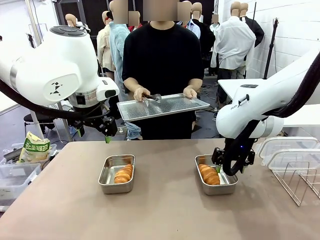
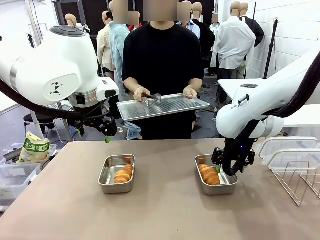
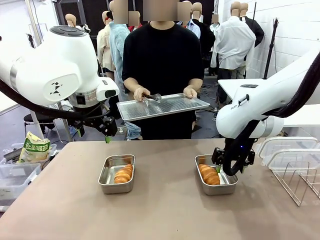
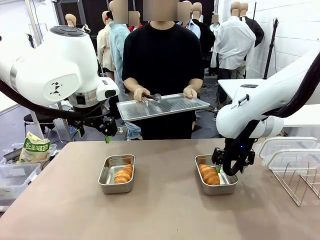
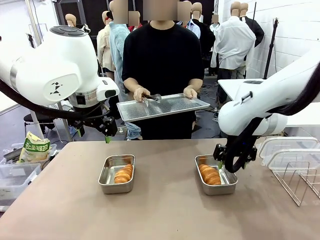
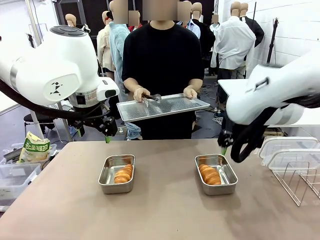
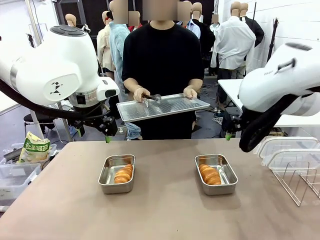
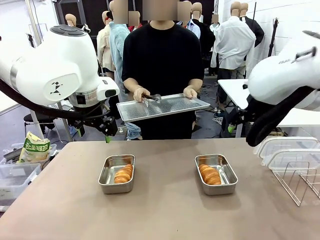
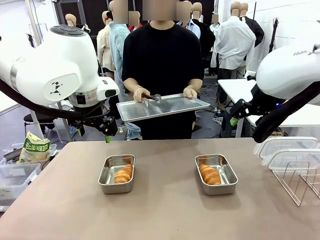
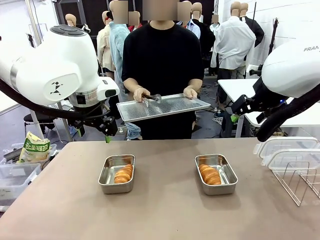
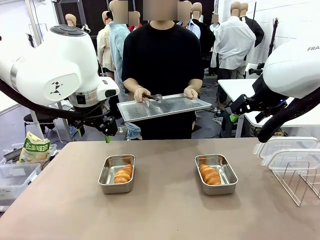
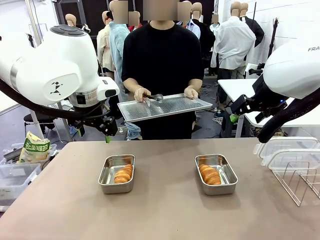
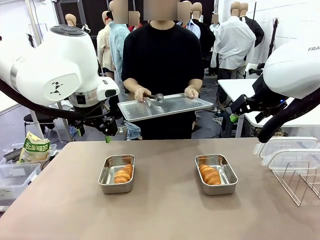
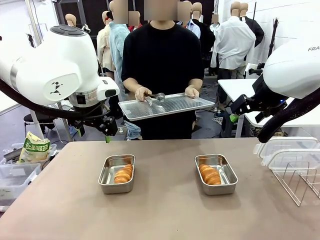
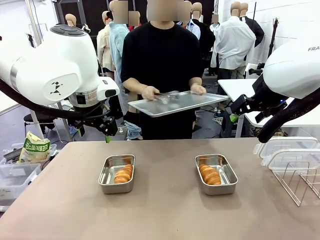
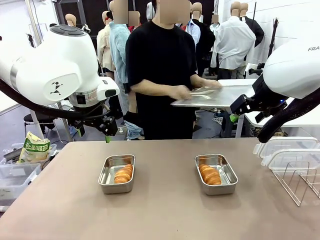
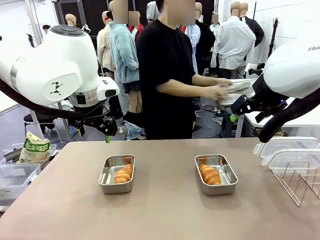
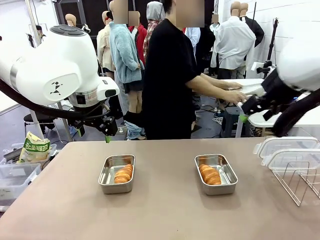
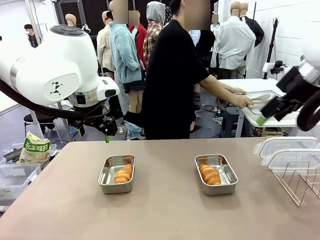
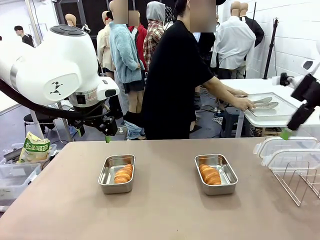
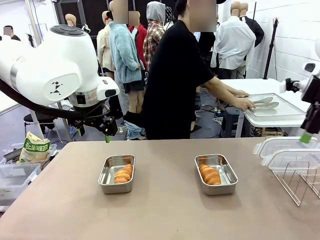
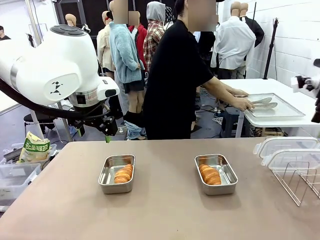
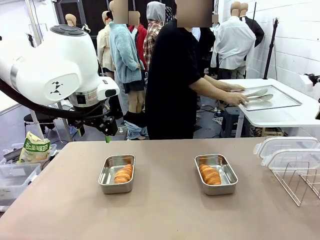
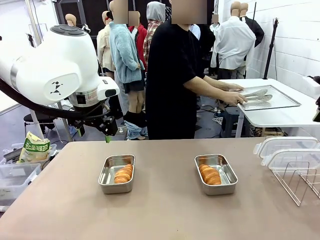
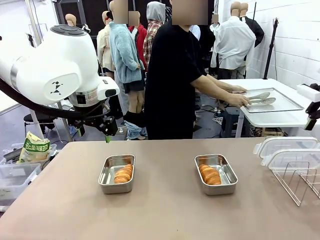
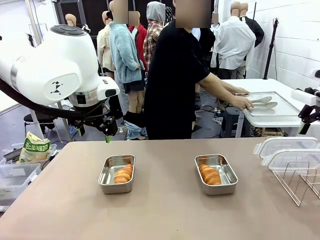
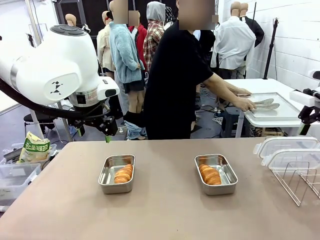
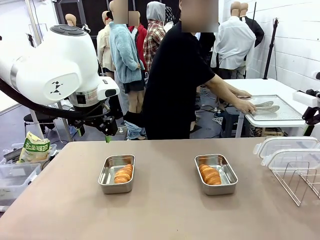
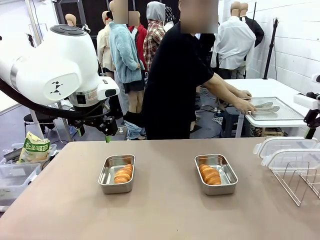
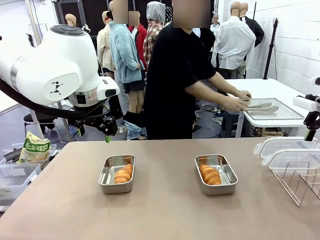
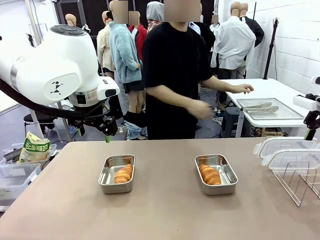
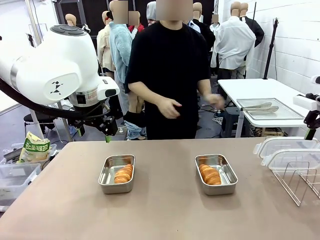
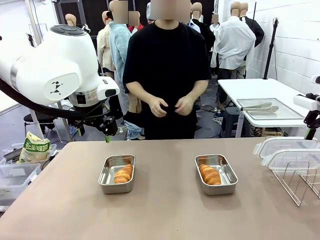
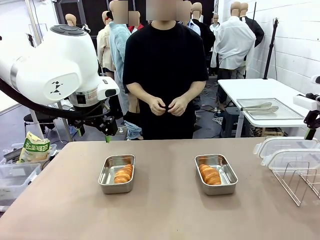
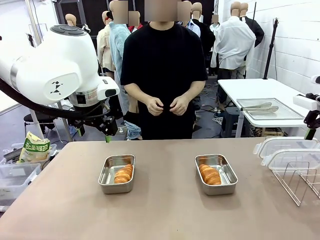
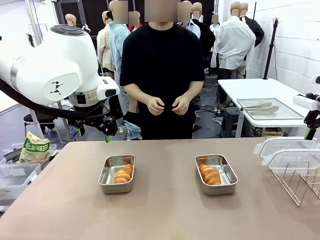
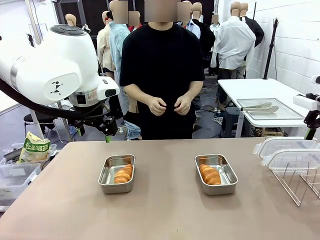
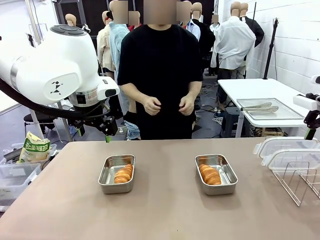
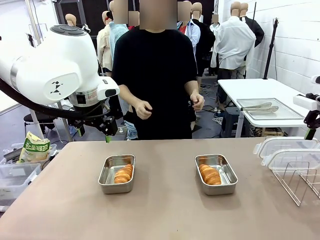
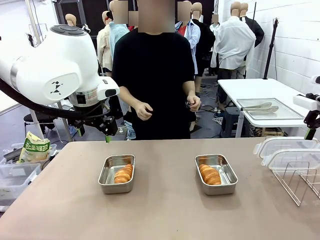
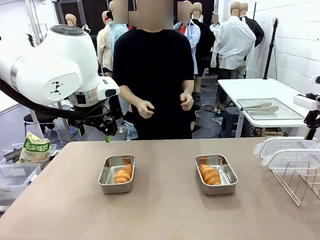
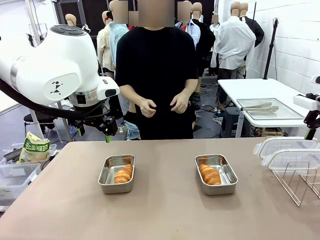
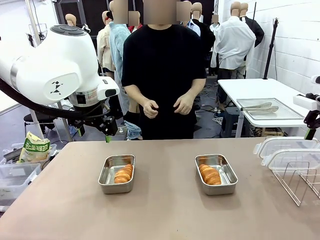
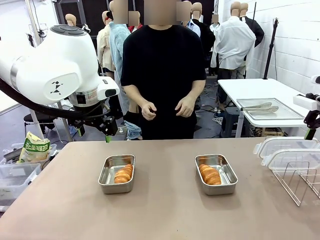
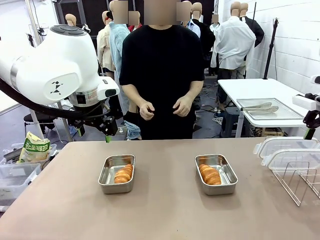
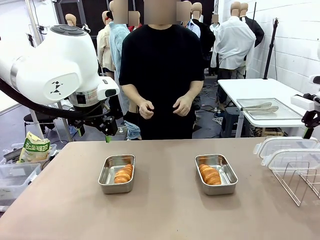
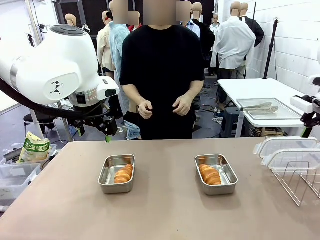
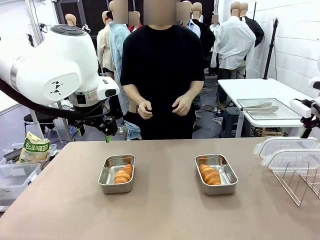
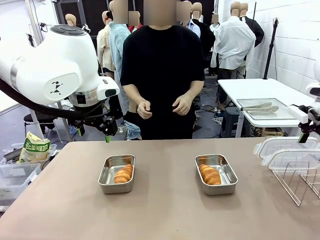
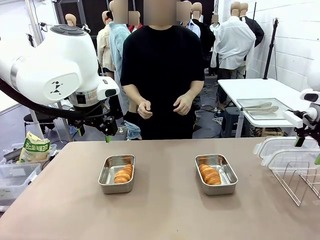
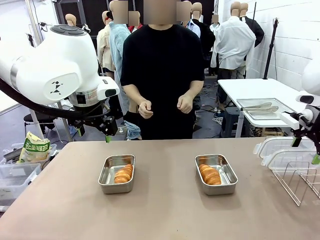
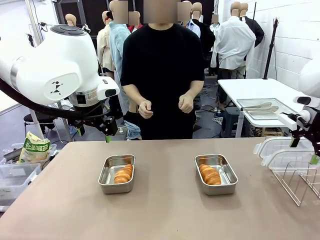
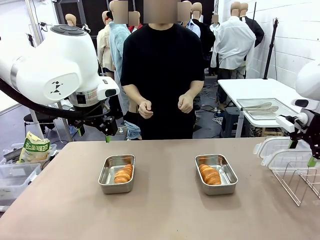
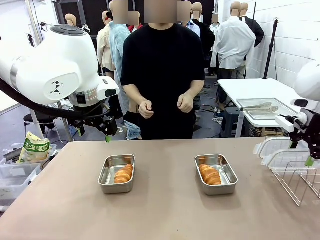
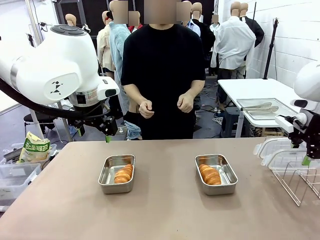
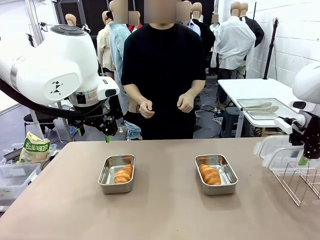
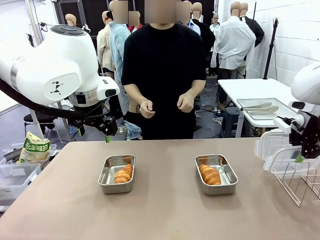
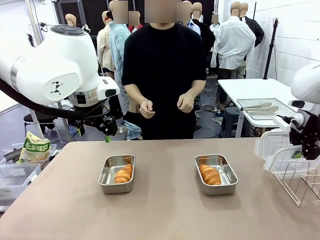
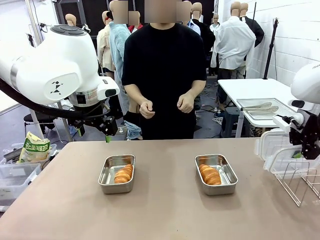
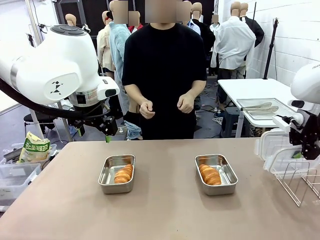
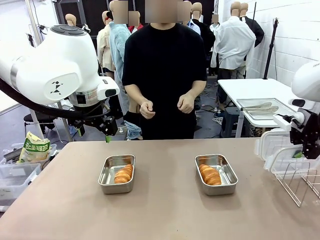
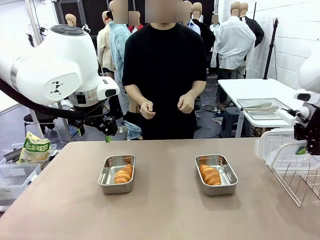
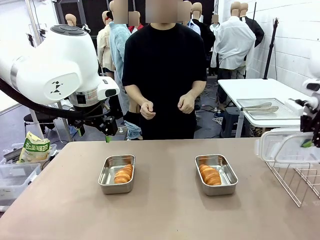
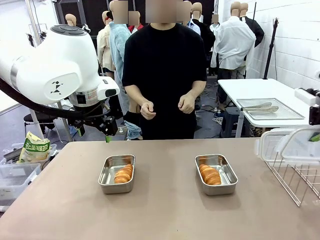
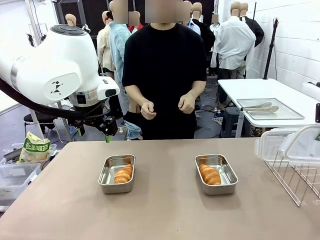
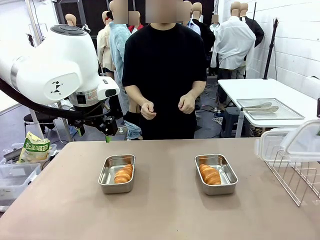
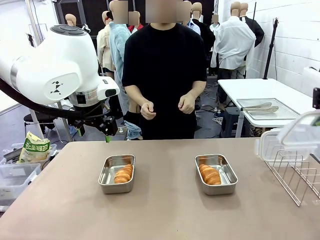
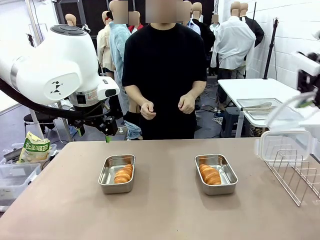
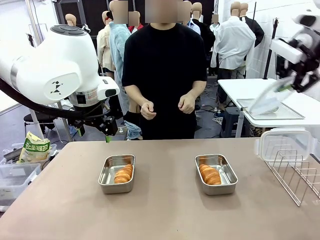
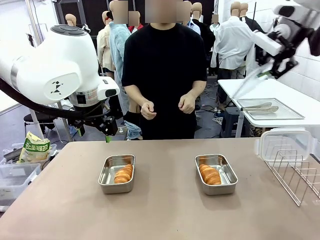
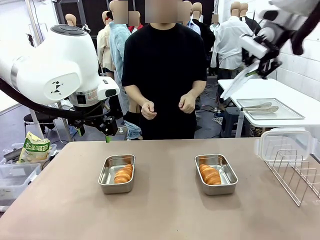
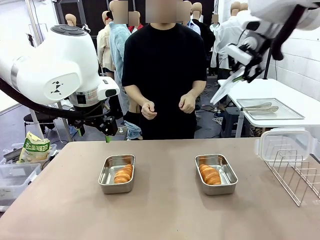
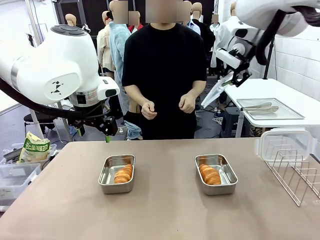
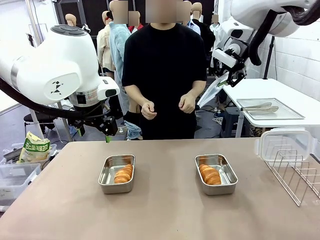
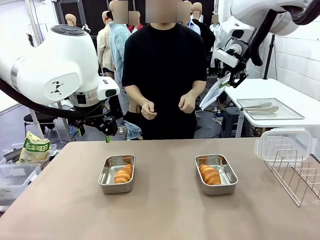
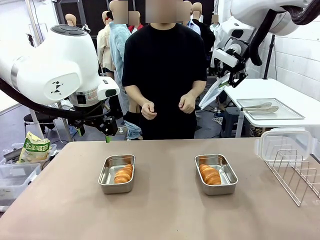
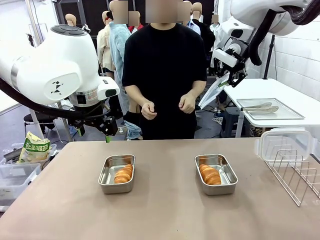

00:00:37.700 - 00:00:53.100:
Task: Place the bread in airtight containers.
Robot: Pick up one Airtight Container lid and hand it to the human.
Person: Place Baking Sheet on the Human's Table. Grip Airtight Container lid that robot is handing.

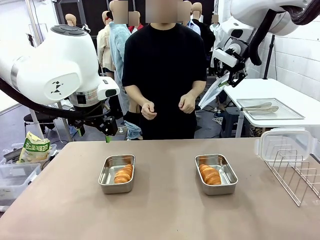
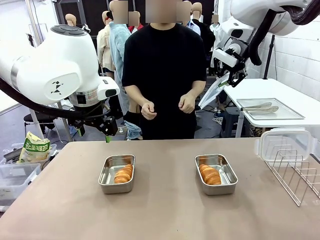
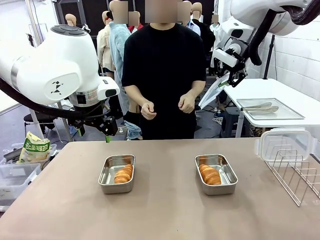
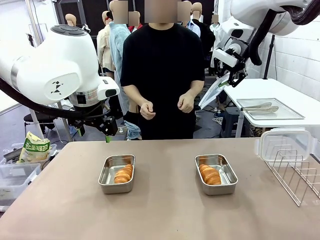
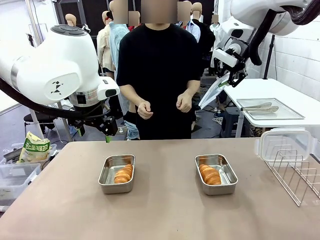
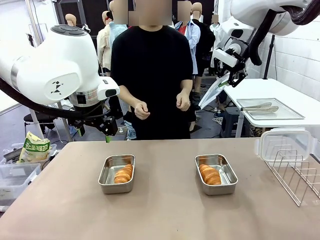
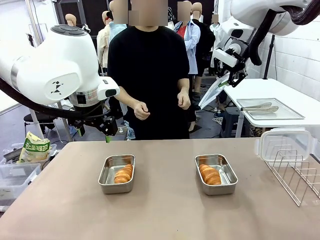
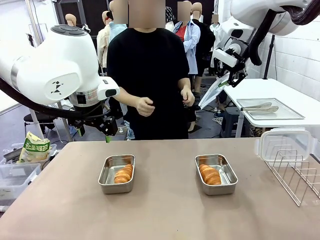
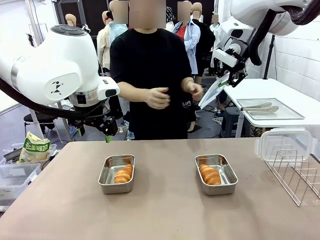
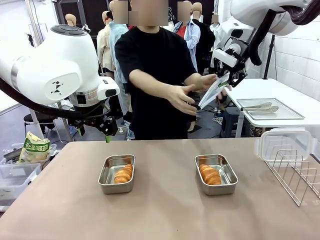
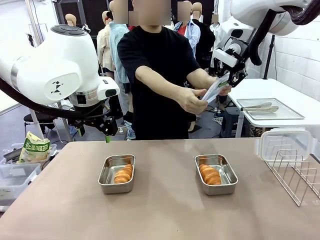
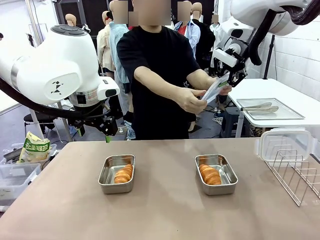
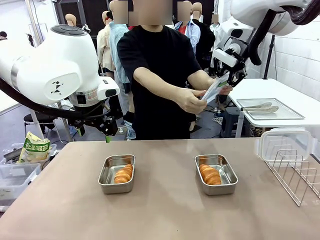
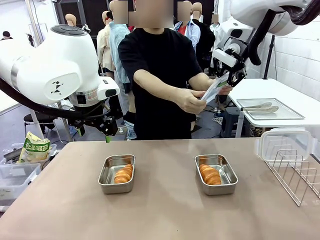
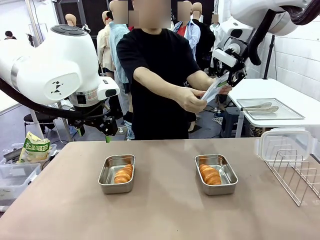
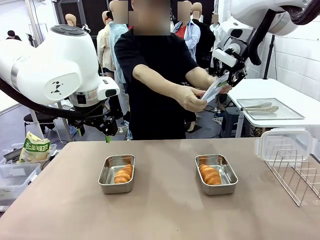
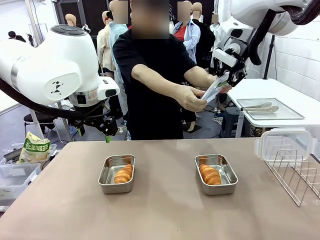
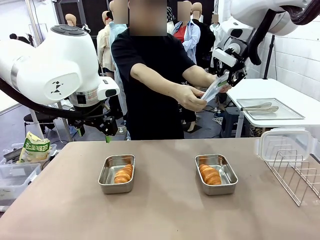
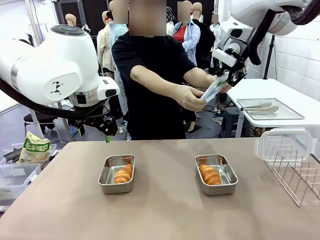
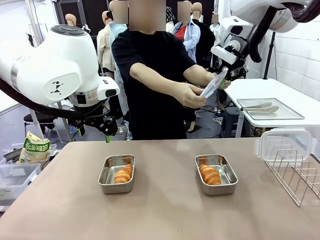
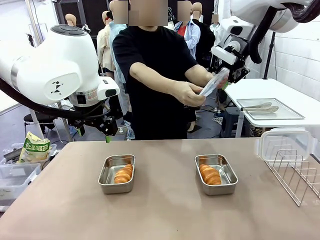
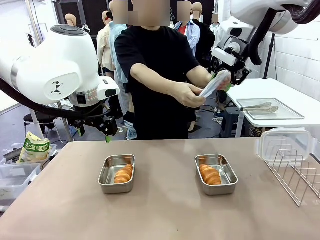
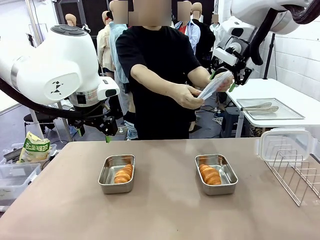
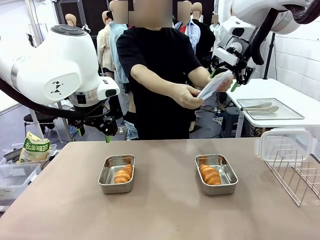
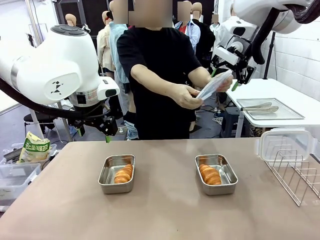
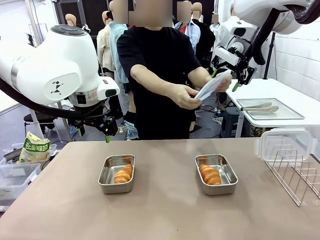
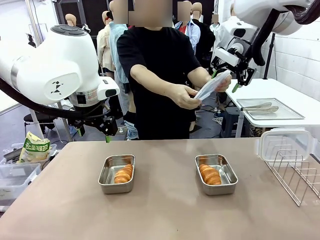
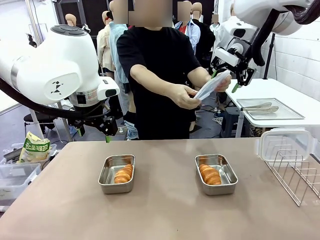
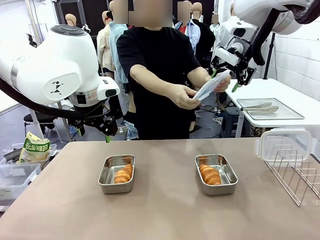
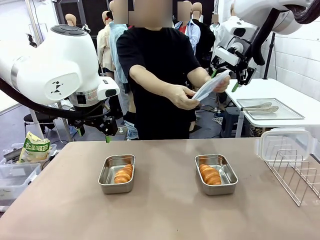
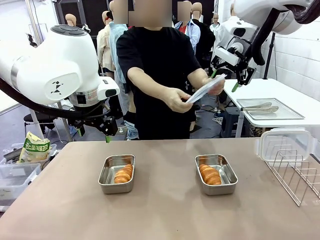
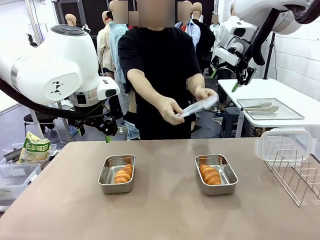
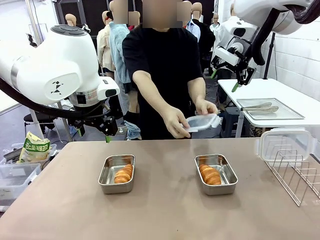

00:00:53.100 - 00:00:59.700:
Robot: Release when the human grabs the Airtight Container lid.
